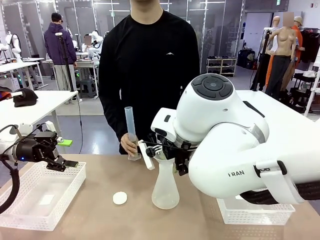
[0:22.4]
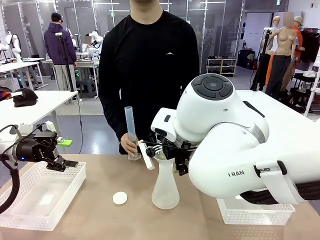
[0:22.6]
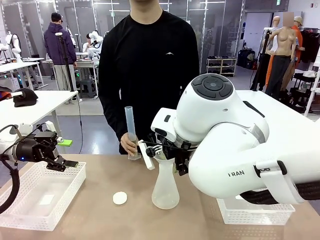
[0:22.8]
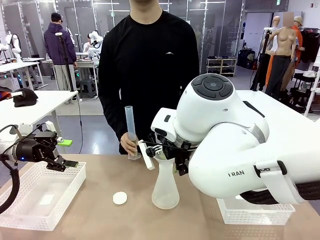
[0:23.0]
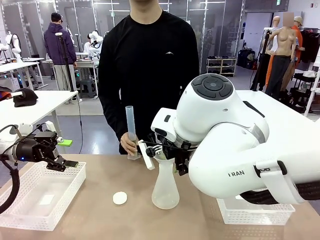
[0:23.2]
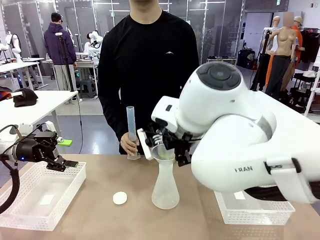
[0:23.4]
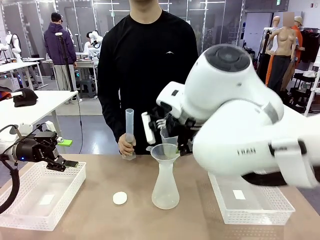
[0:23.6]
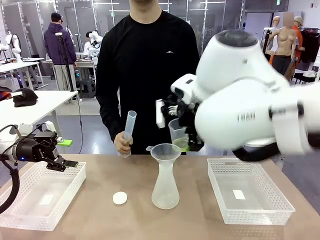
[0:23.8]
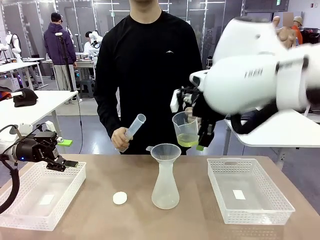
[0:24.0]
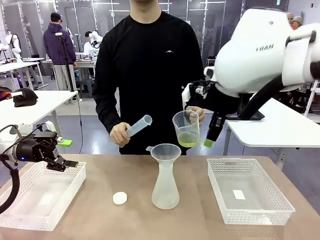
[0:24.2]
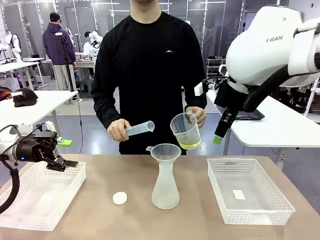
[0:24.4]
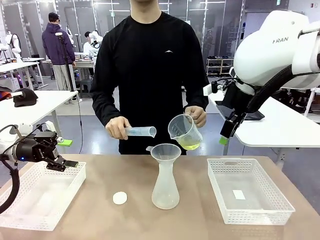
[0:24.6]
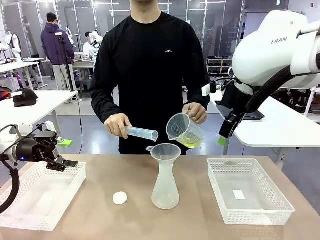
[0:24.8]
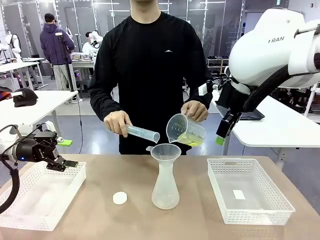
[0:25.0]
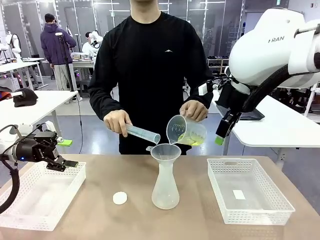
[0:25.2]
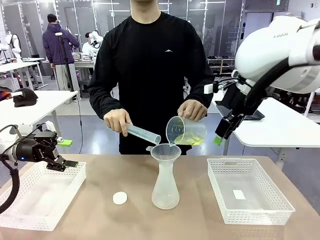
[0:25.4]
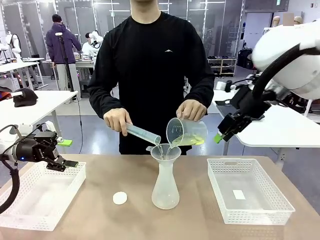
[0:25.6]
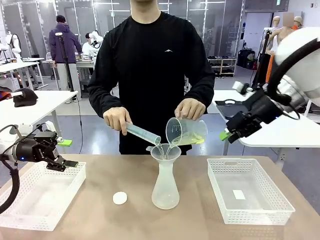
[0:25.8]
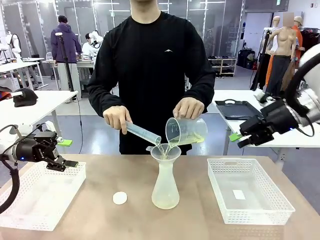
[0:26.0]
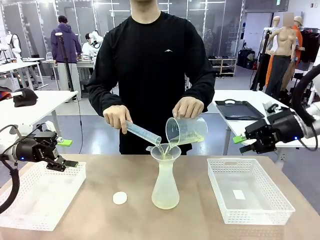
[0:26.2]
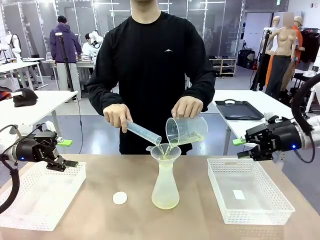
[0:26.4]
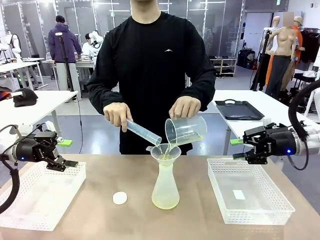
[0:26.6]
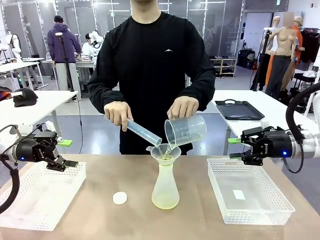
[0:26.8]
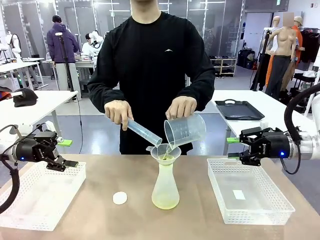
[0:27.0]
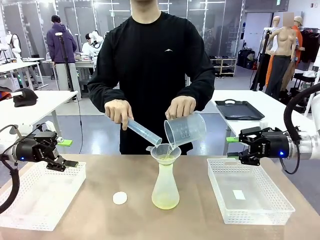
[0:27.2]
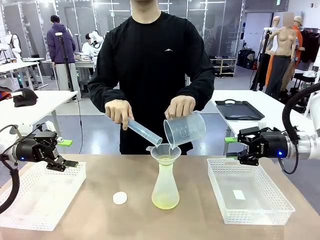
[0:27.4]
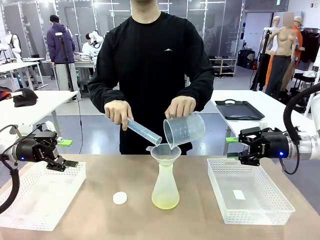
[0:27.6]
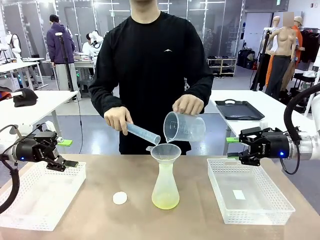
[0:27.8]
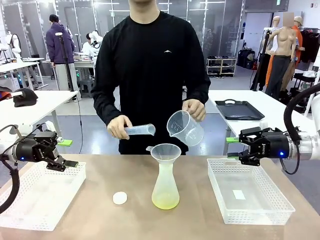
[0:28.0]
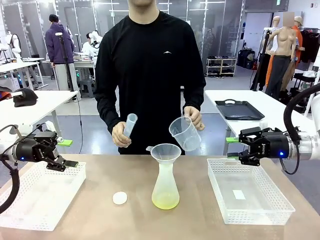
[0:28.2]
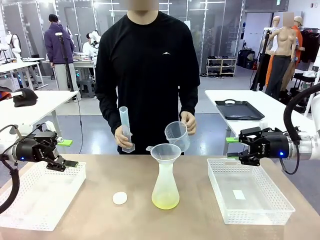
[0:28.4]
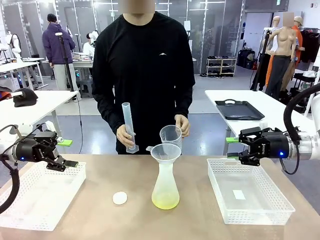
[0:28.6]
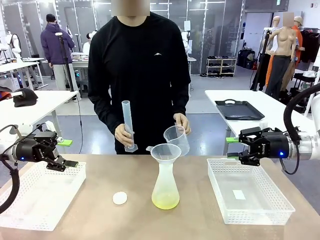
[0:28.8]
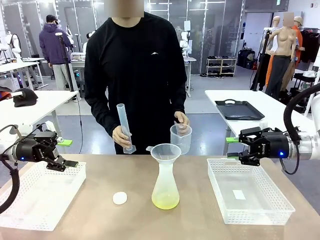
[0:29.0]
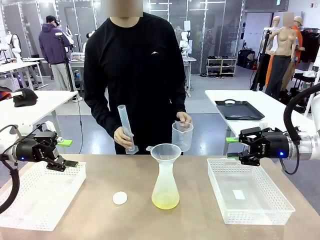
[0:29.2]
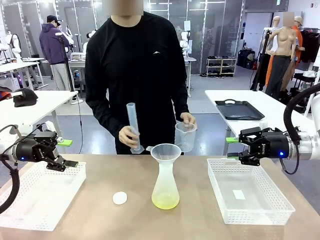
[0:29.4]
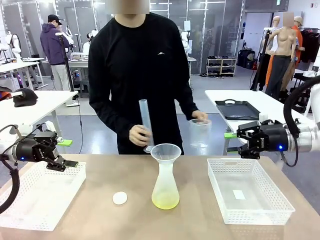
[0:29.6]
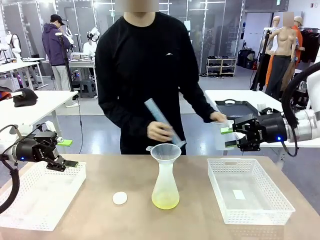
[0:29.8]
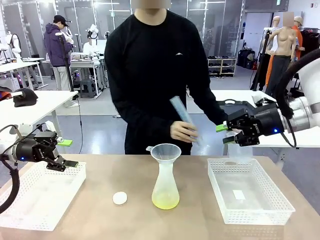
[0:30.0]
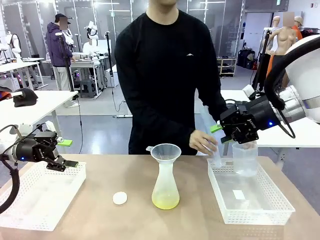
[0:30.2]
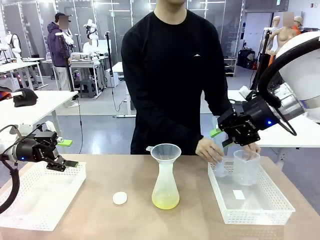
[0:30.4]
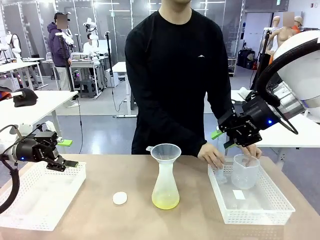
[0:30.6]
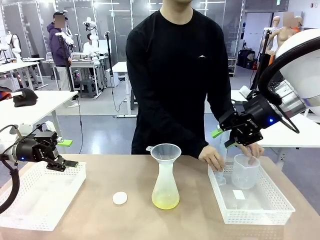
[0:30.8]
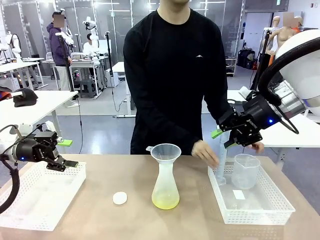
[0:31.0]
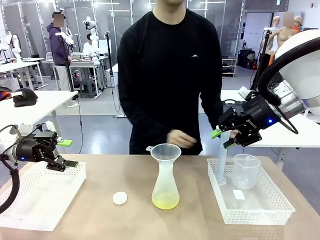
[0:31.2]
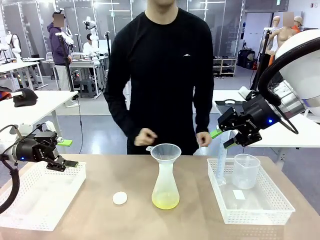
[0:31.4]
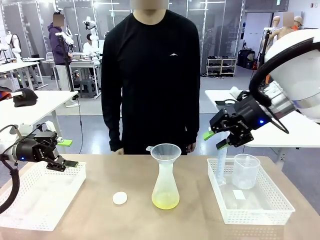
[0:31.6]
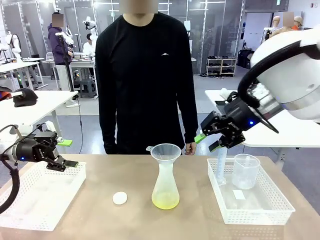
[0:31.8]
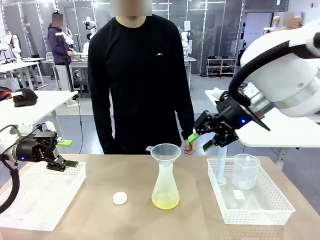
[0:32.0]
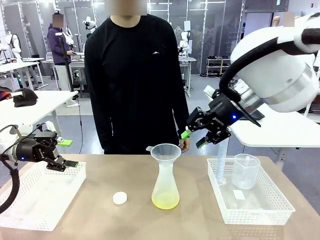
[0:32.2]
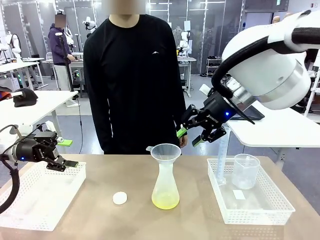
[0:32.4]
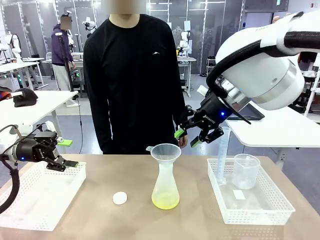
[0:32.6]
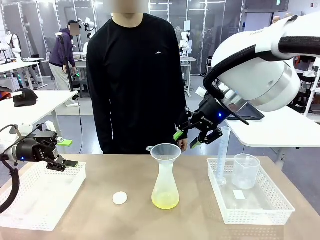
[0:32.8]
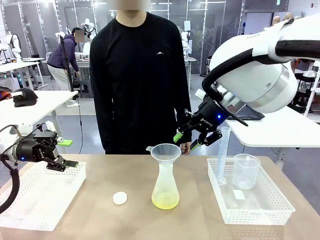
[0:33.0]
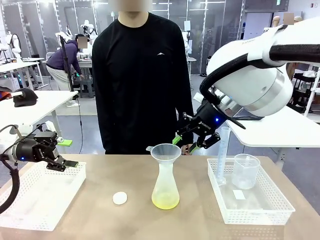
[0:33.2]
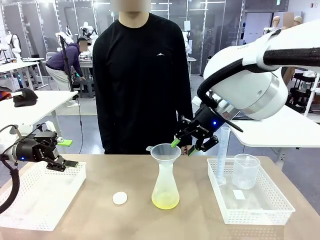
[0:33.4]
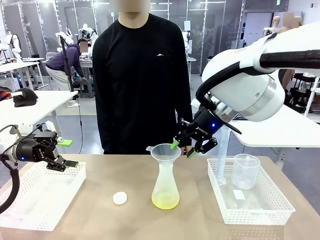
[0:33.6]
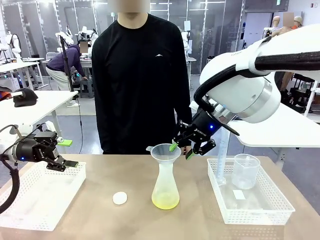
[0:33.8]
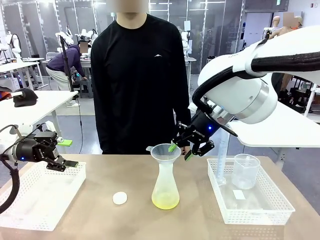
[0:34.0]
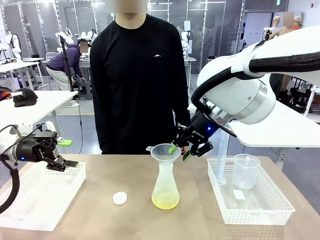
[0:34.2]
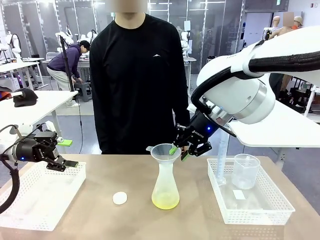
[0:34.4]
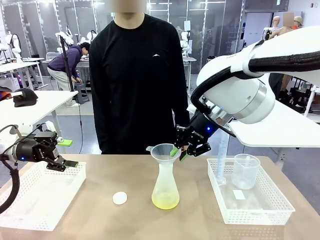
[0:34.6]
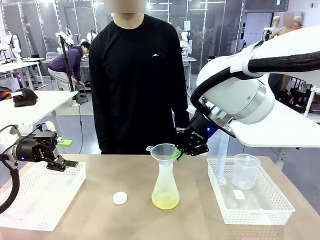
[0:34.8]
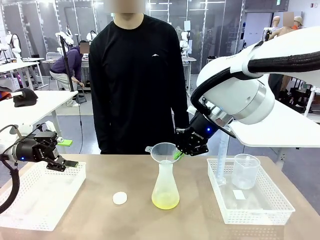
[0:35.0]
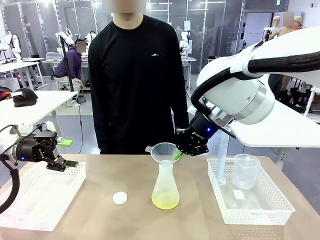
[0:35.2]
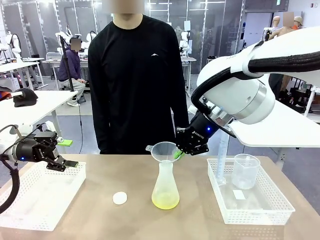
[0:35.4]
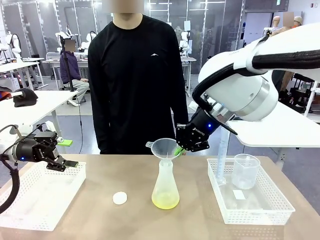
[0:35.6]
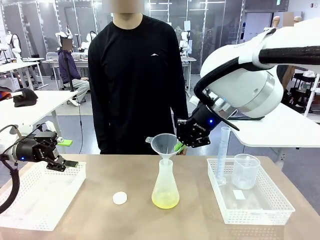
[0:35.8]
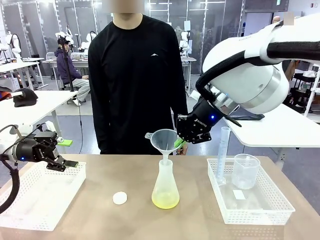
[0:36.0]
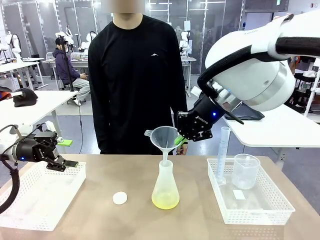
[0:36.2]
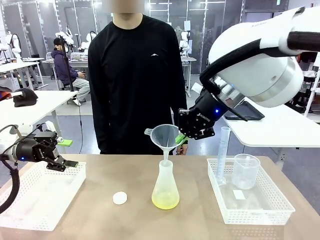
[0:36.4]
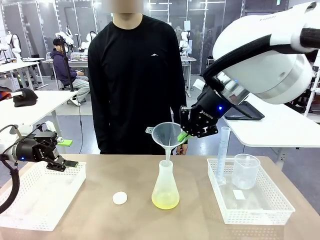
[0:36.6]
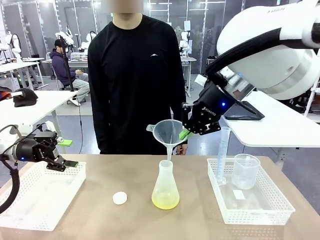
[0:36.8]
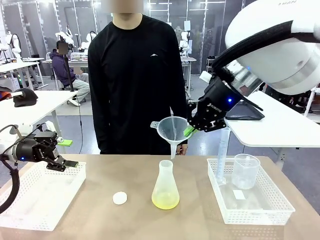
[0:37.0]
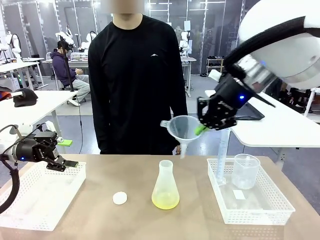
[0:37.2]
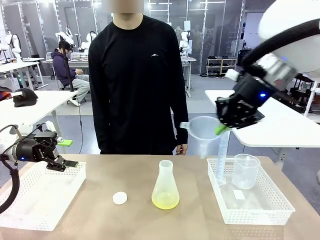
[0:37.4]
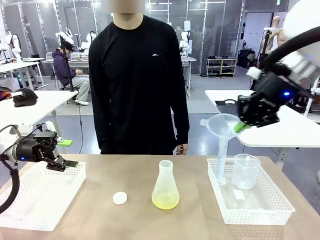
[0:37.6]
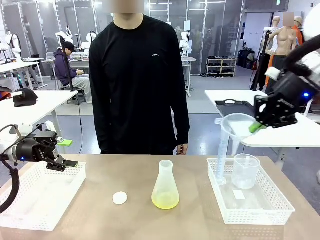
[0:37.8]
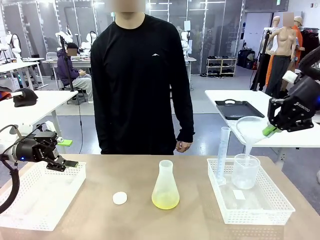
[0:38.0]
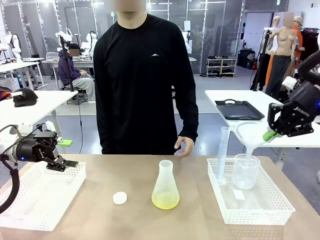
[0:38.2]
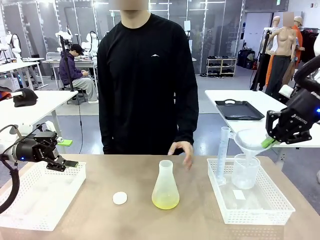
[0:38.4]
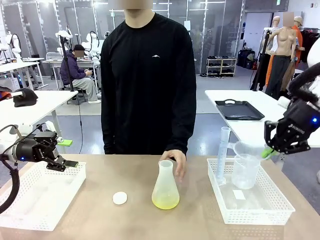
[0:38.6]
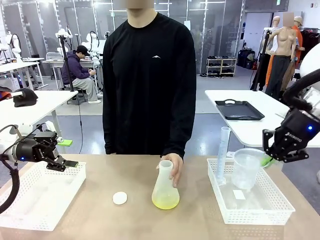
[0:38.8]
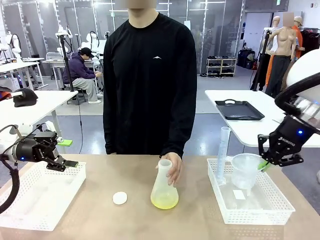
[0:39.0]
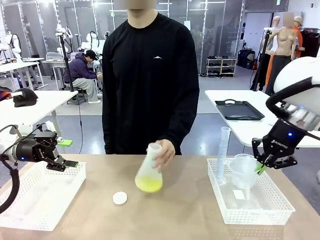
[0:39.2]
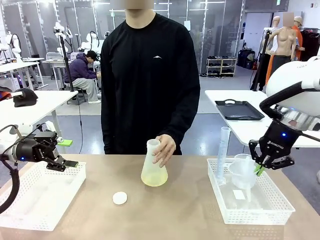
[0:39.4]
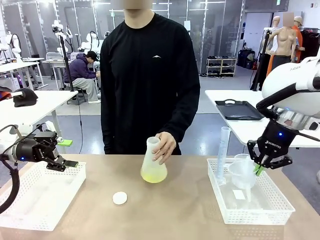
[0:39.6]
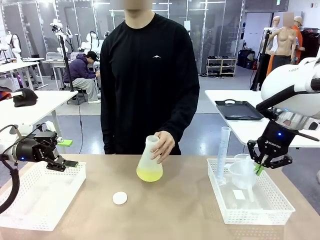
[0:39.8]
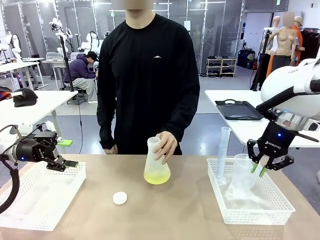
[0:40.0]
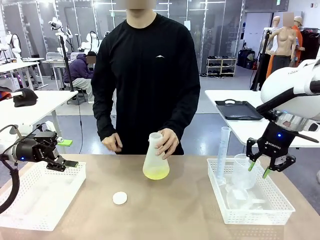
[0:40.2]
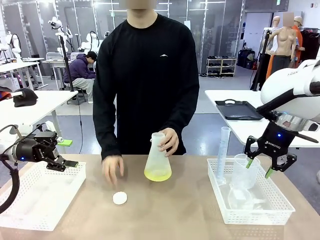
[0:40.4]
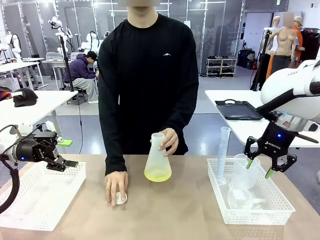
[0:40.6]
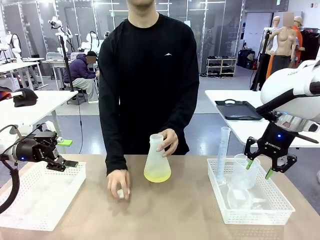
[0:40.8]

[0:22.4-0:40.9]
Task: Prepare the solutions needed for the experiment.
Robot: Once the solution is in the Big flask , pick up the Plastic Funnel and place it back into the right Organizing basket.
Person: Place the beaker and the cylinder into the organizing basket on the left side. Pick up the flask, gently shake it 2–3 times, place it in the middle of the robot table, and close the lid.
